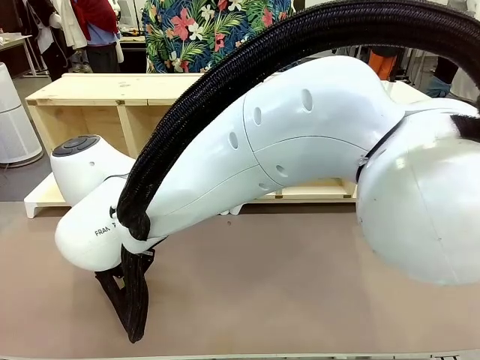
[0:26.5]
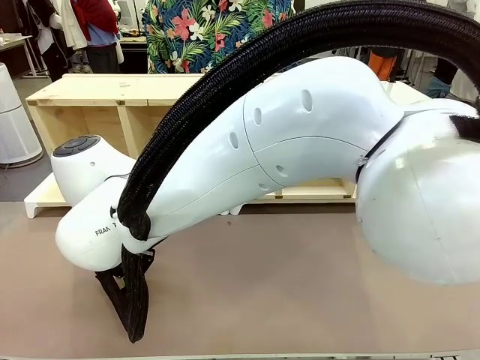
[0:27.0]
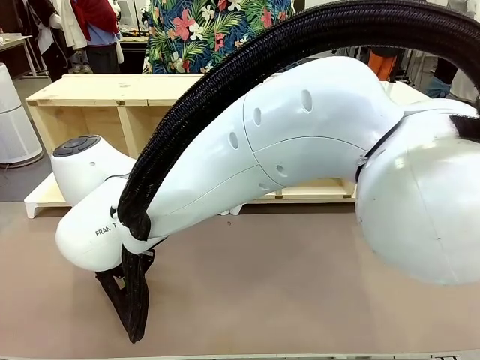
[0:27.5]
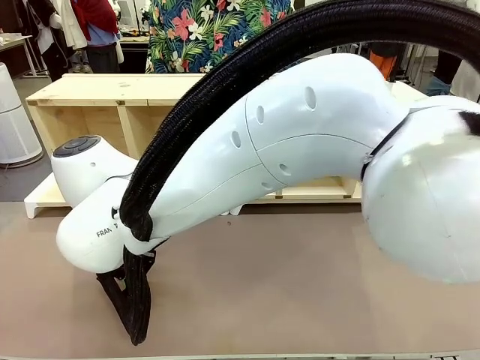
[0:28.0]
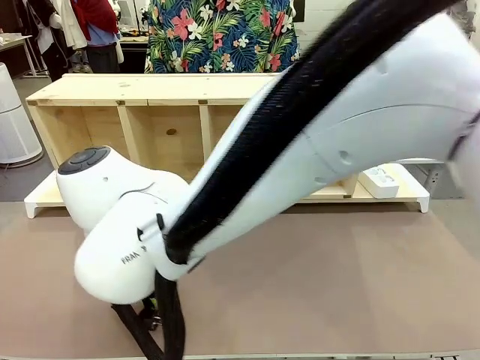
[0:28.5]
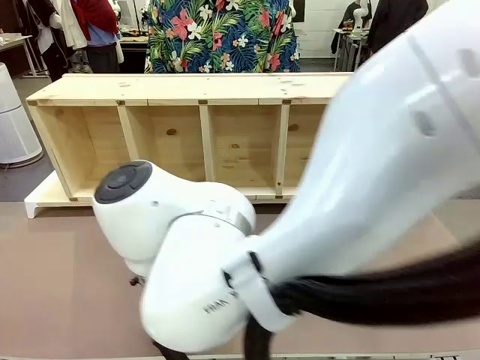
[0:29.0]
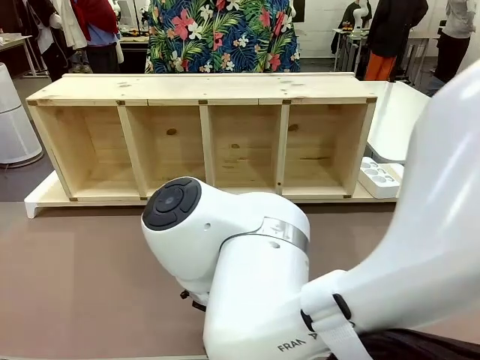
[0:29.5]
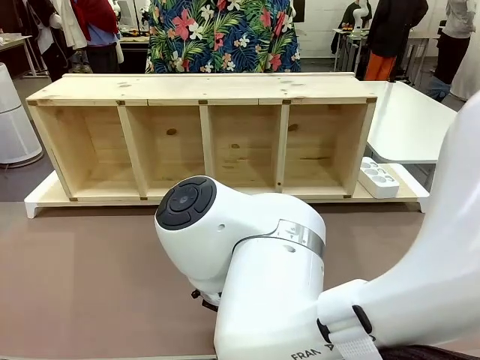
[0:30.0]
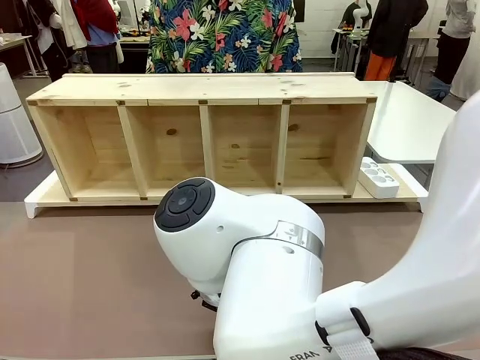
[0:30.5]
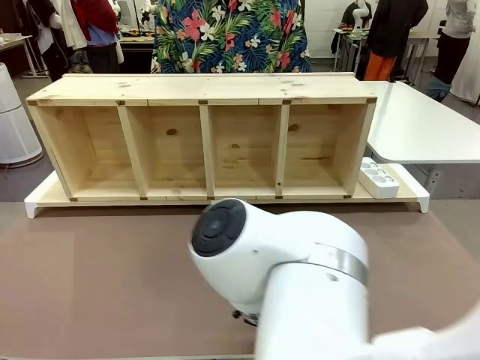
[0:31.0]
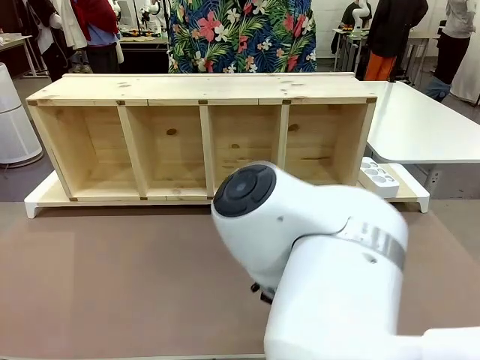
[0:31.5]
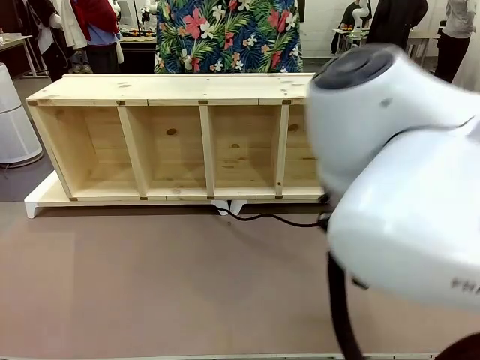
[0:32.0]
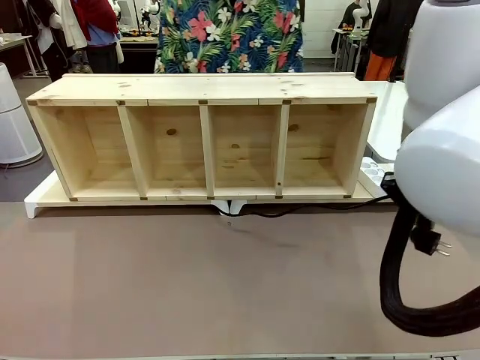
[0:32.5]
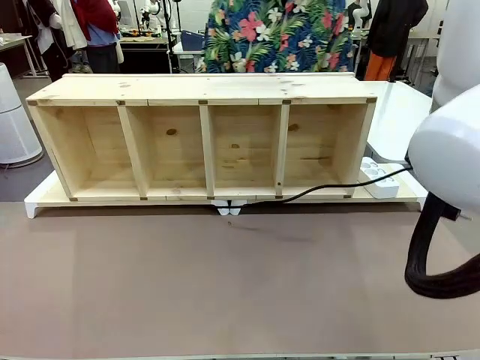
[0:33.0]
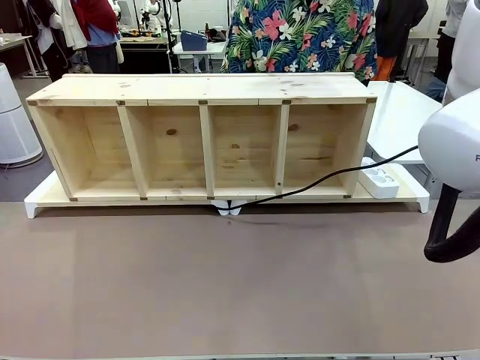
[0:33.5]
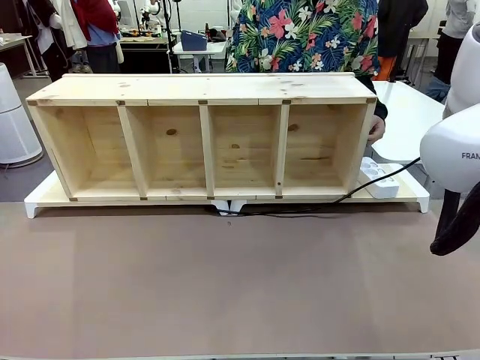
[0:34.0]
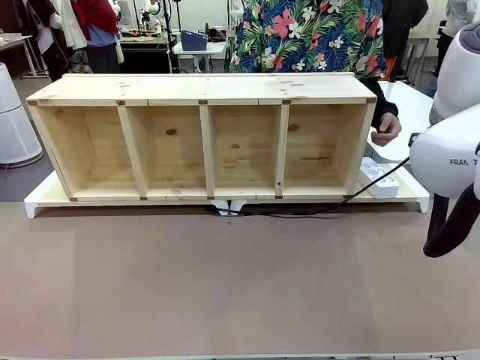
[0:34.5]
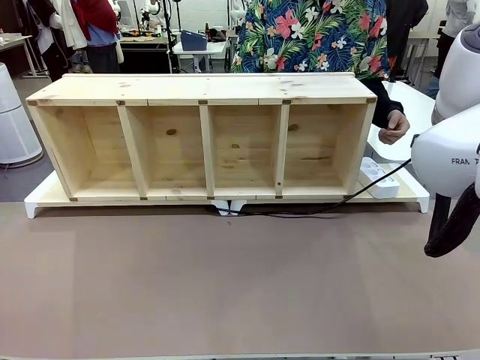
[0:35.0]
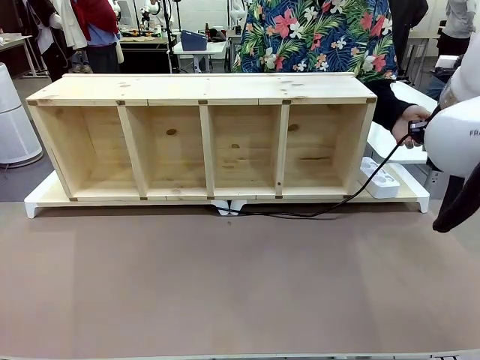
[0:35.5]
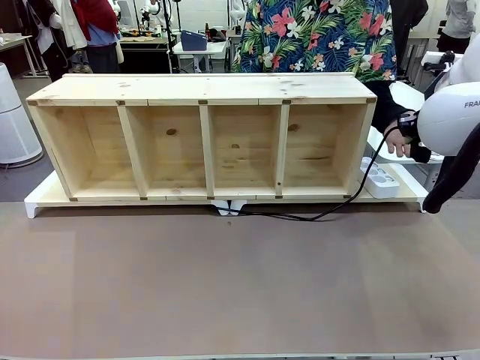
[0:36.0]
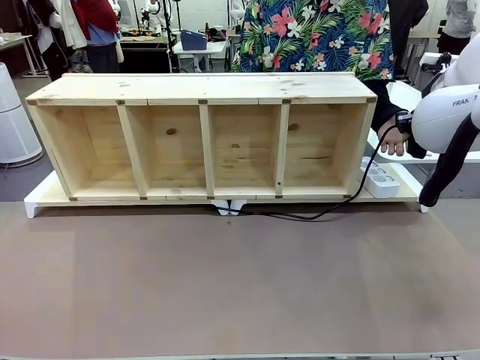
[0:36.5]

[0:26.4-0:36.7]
Task: Perform cable management.
Robot: Pull the grasped Power Cable to the location of the Power Strip.

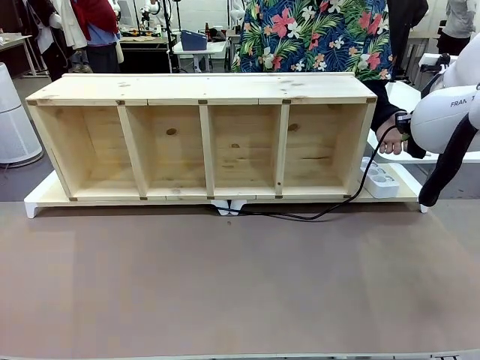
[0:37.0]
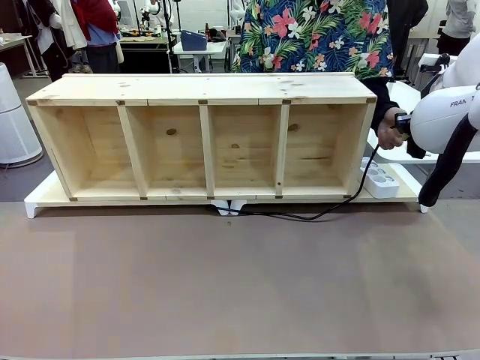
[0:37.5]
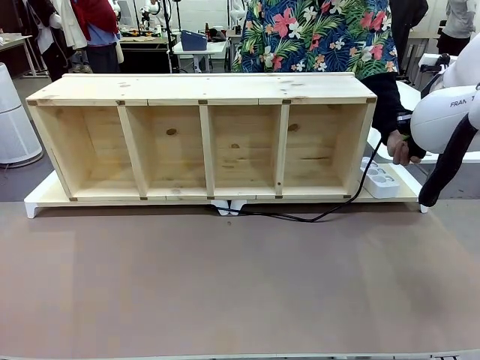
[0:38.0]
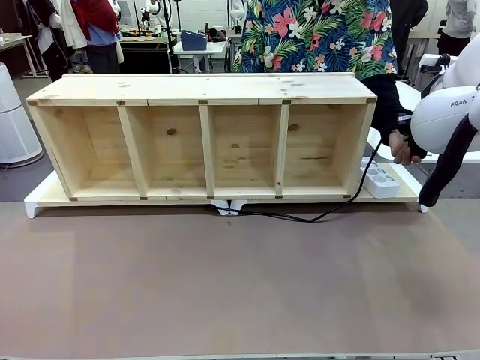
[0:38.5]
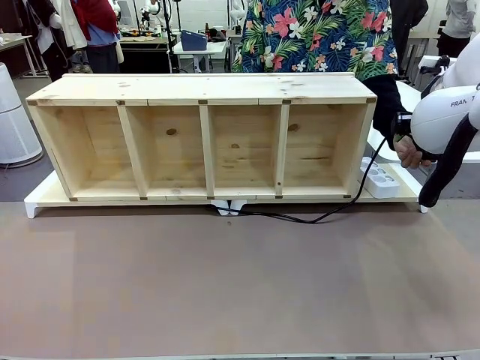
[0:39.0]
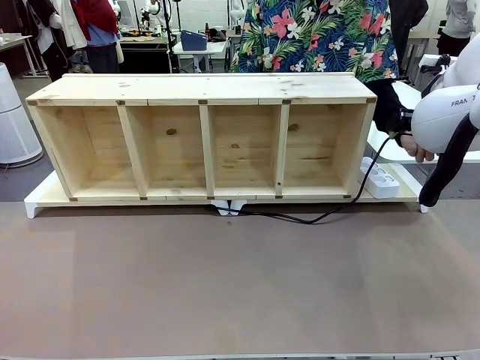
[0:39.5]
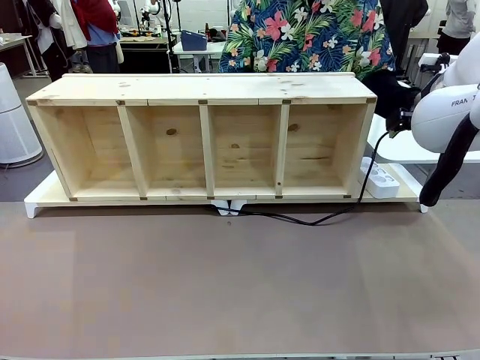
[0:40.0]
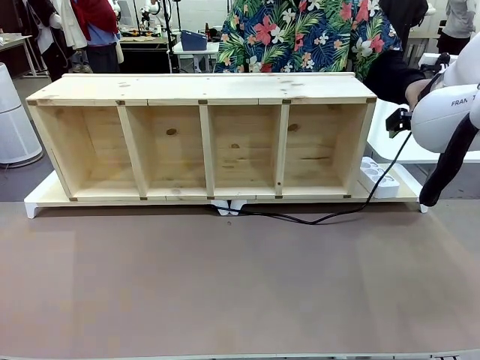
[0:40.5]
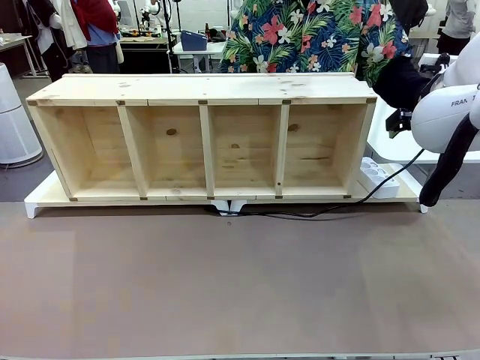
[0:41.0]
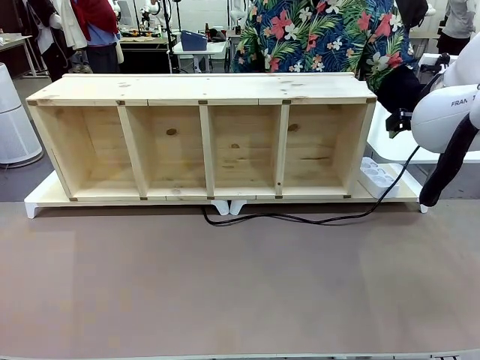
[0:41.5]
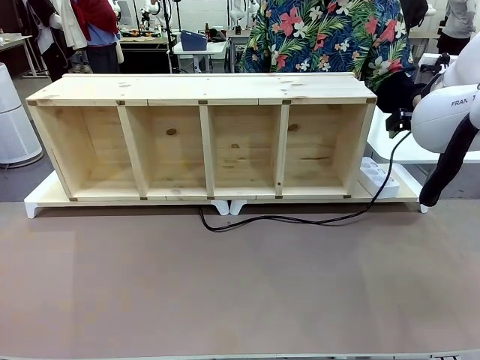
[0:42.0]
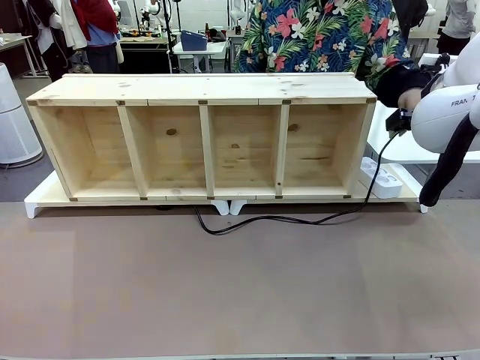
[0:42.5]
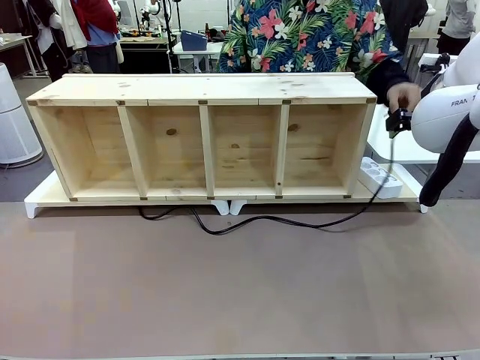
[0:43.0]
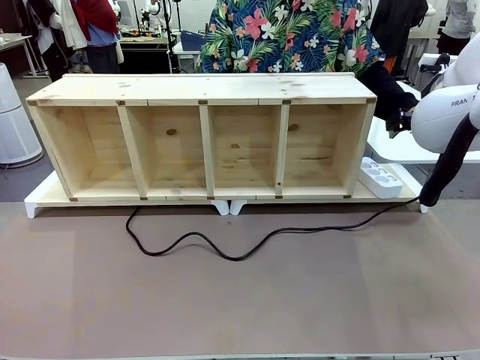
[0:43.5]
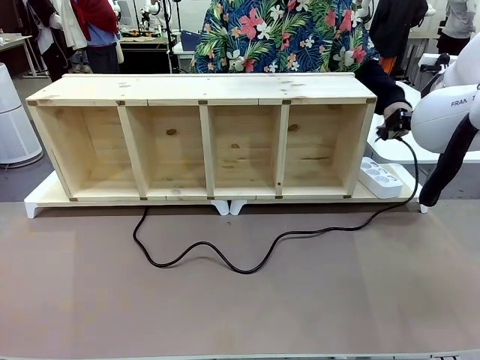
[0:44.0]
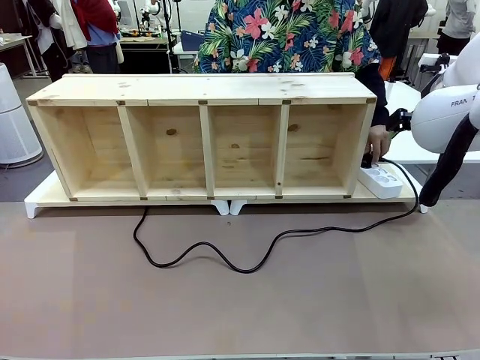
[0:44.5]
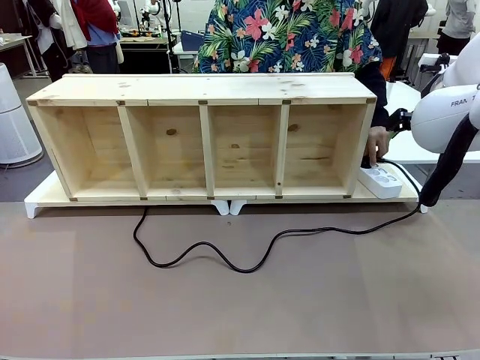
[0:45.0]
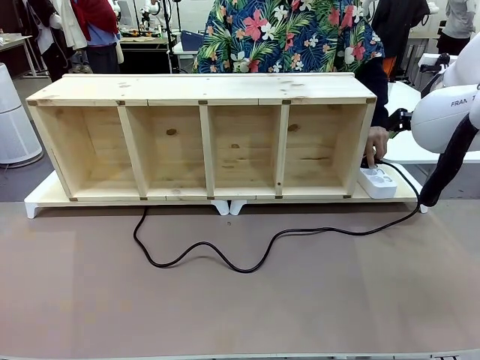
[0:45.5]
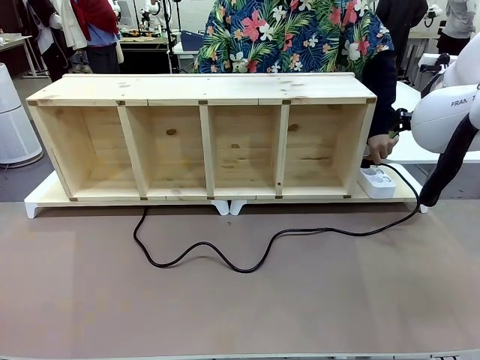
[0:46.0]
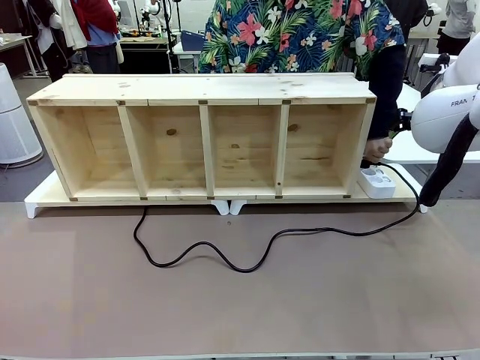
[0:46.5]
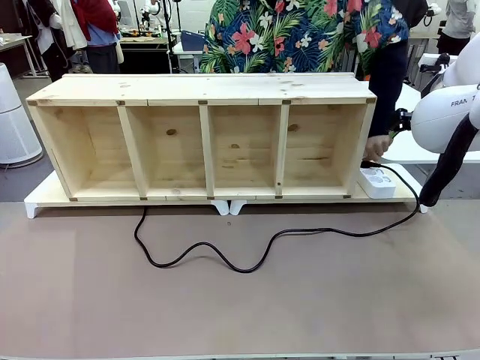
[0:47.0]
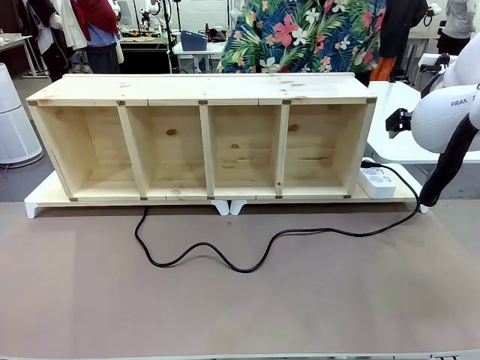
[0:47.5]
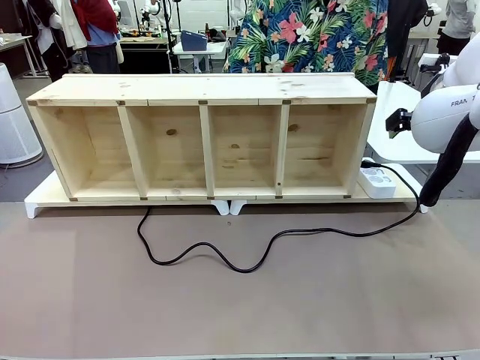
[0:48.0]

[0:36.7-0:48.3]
Robot: Release the Power Cable when the human grasps it.
Person: Plug the Power Cable into the Power Strip.

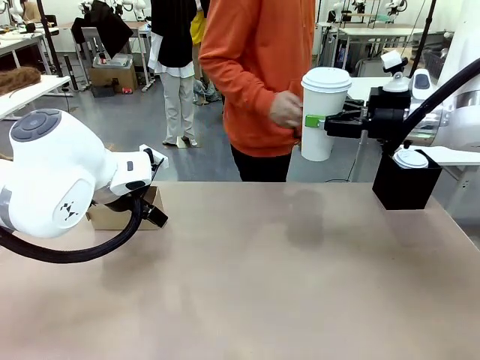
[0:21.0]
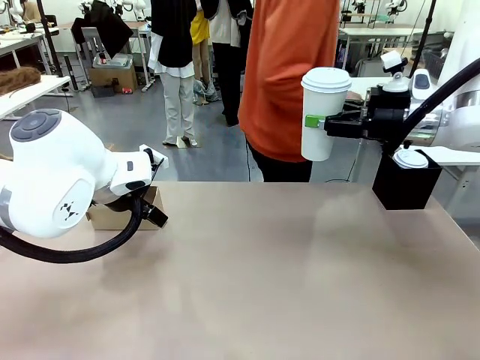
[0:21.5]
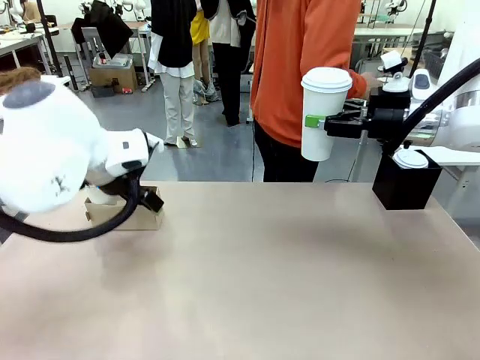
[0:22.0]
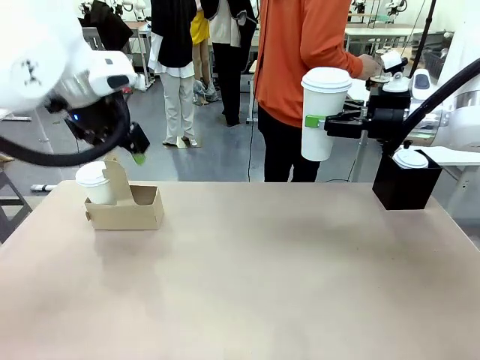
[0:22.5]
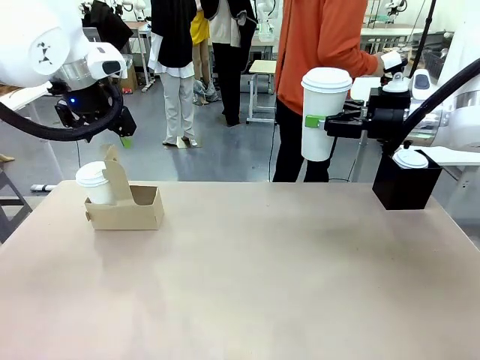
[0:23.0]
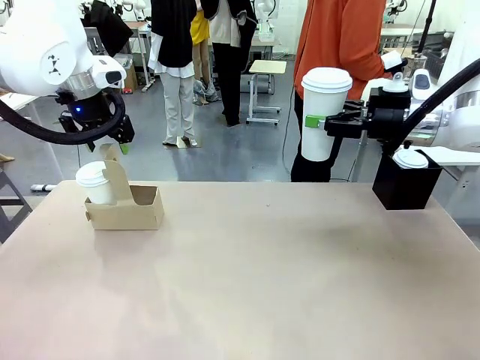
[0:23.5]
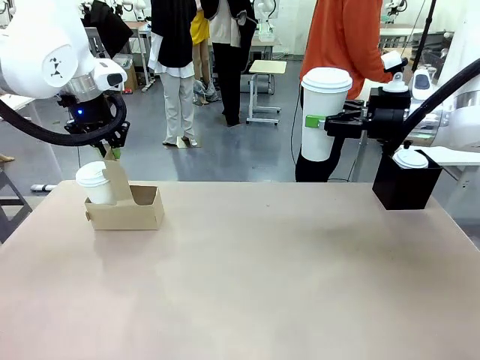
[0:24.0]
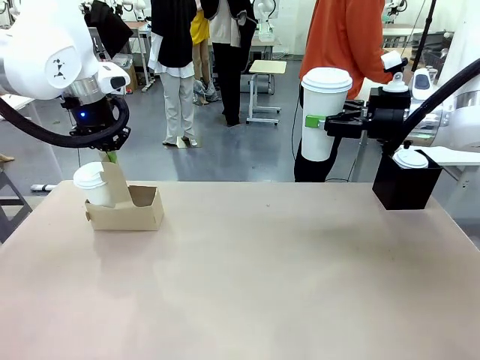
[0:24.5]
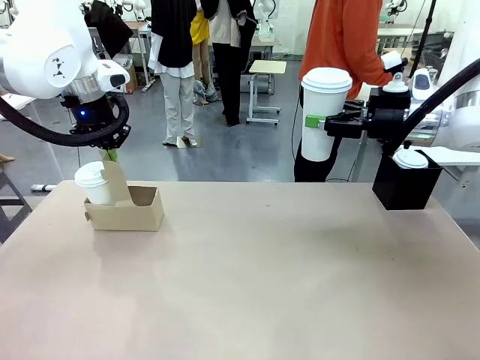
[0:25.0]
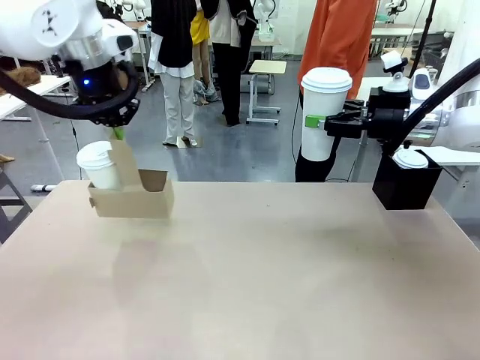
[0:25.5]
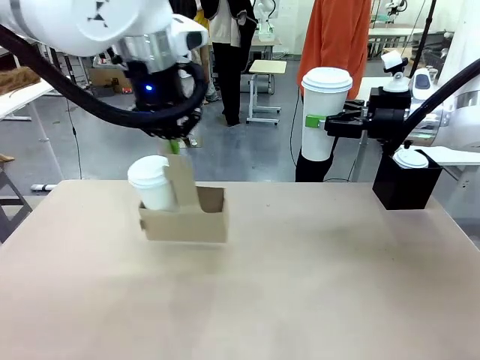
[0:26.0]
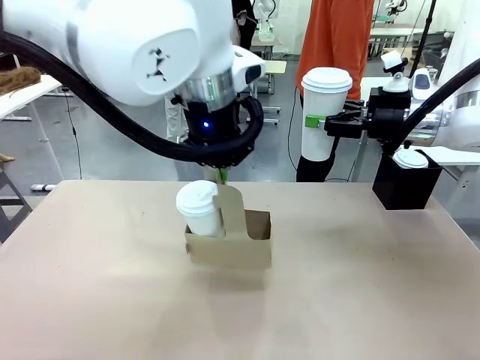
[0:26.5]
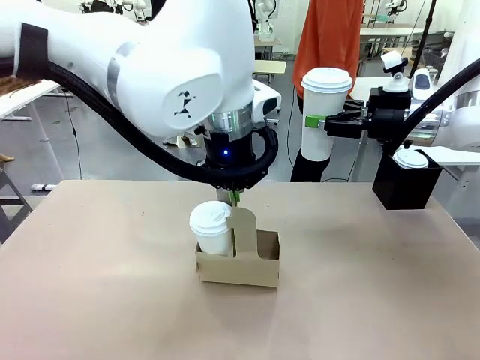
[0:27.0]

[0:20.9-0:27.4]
Task: Pour a drink into a cup and package it in a carrier.
Robot: Position the Cup Carrier in the center of the table.
Person: Pick up the Filter Brewing and place on the middle of Human table, and return to the Robot table.
